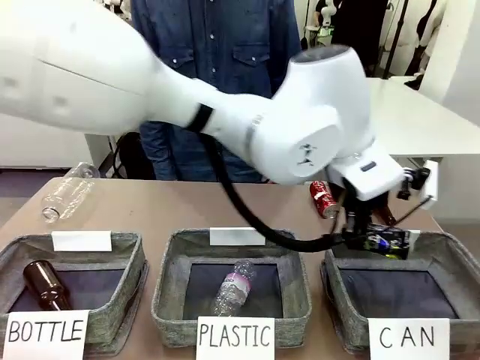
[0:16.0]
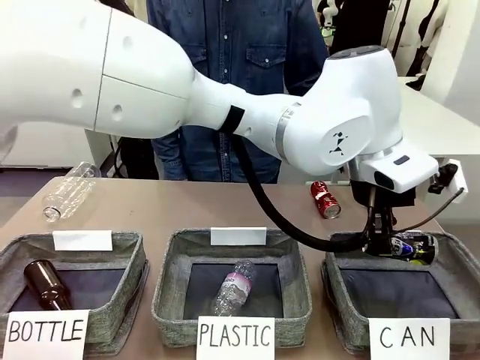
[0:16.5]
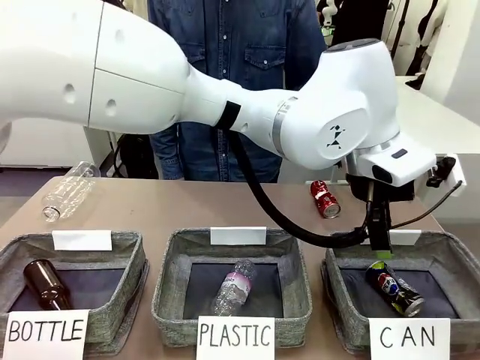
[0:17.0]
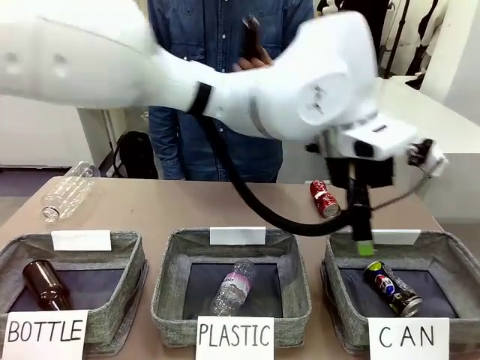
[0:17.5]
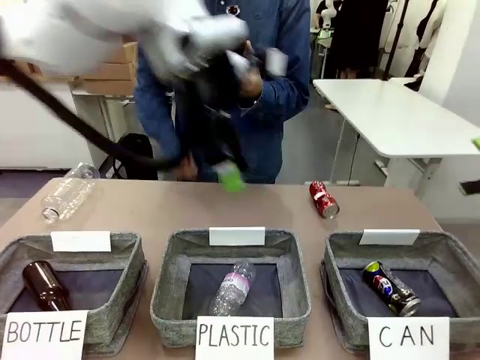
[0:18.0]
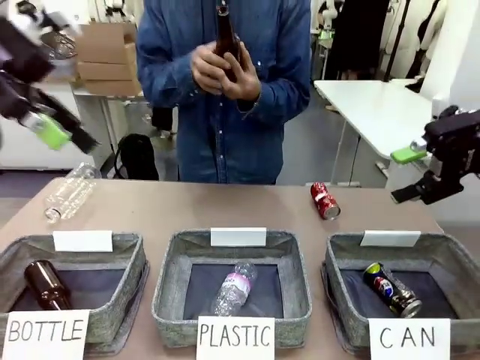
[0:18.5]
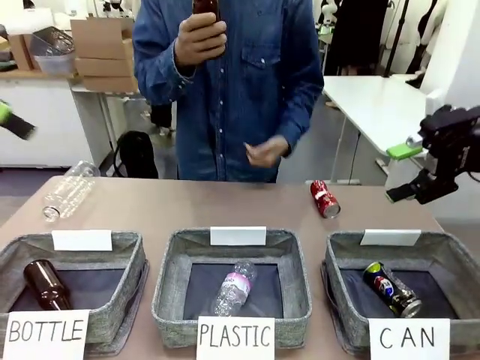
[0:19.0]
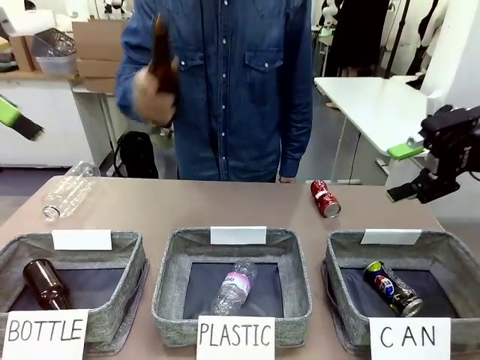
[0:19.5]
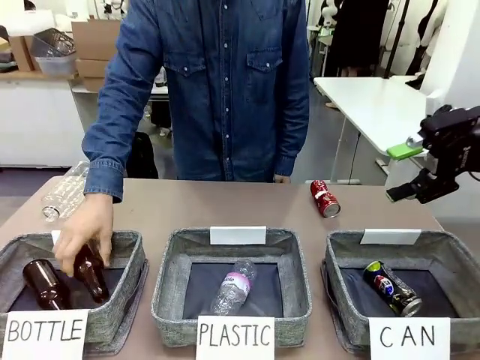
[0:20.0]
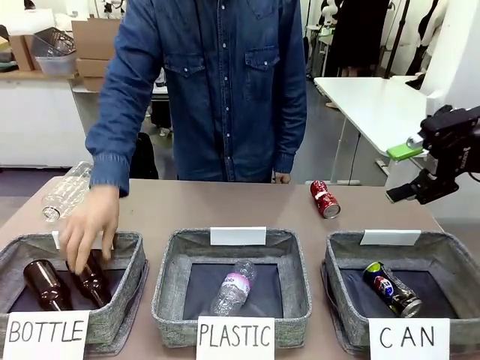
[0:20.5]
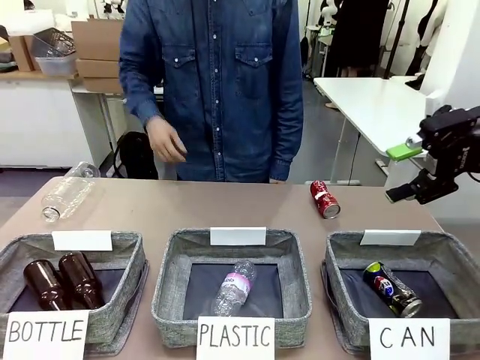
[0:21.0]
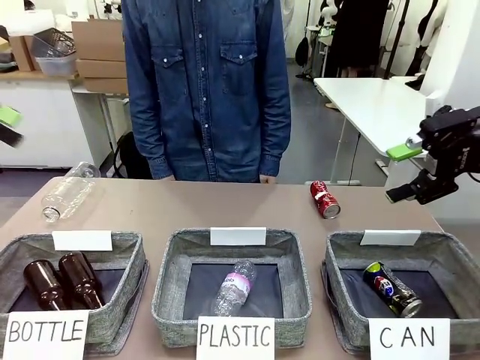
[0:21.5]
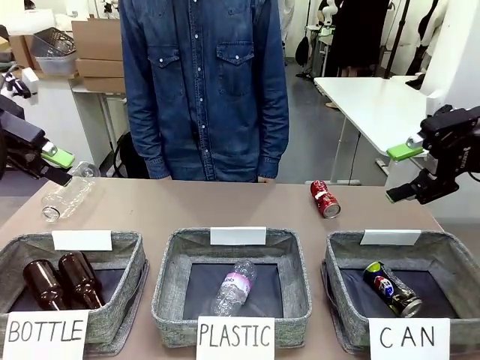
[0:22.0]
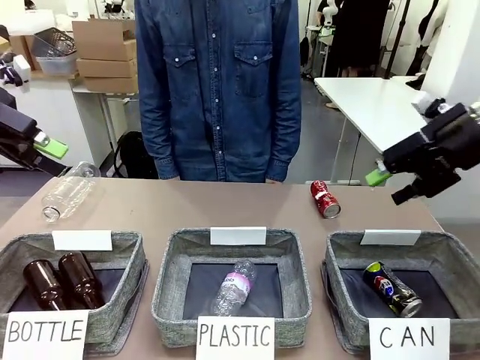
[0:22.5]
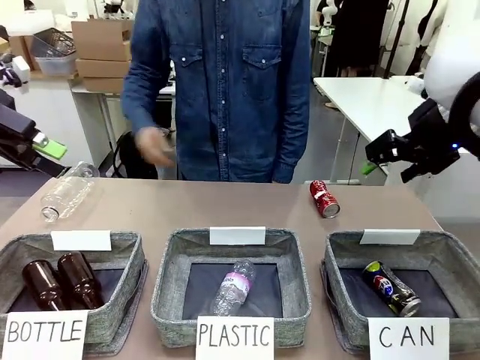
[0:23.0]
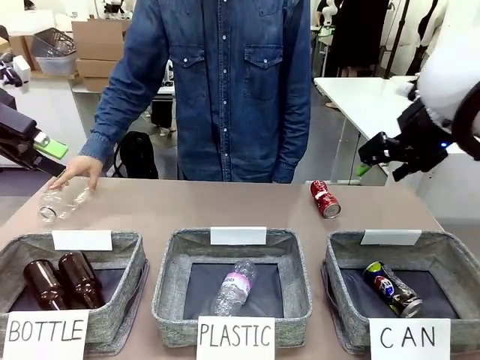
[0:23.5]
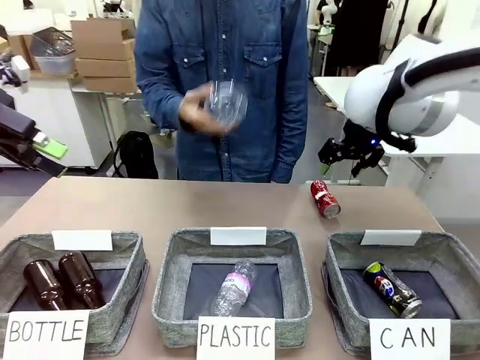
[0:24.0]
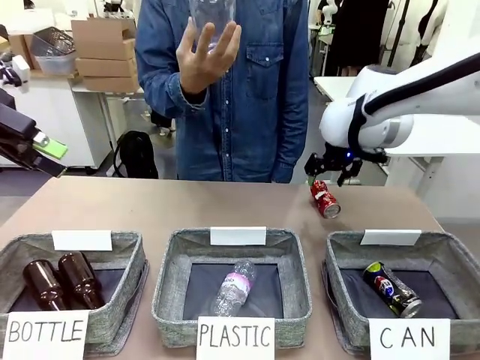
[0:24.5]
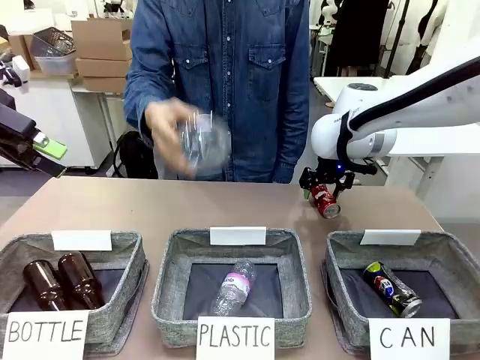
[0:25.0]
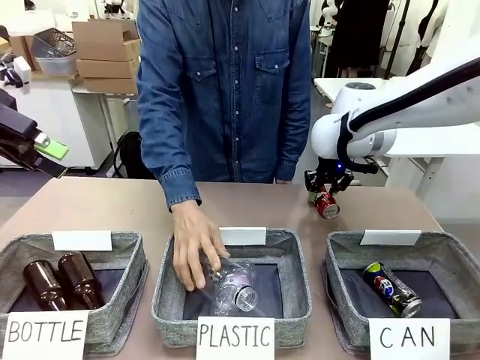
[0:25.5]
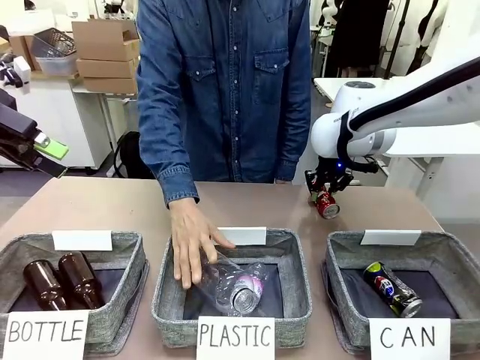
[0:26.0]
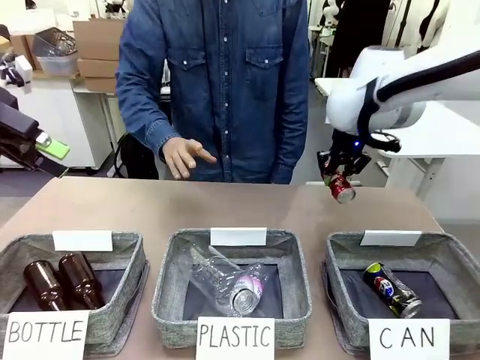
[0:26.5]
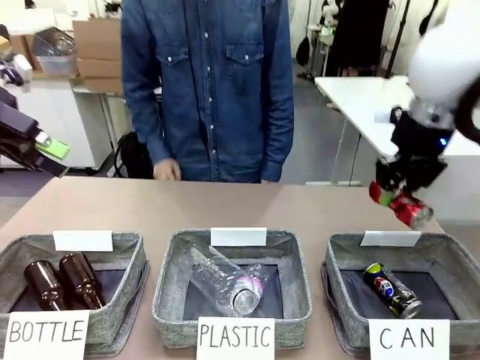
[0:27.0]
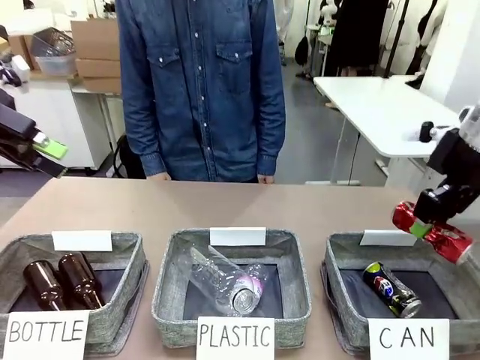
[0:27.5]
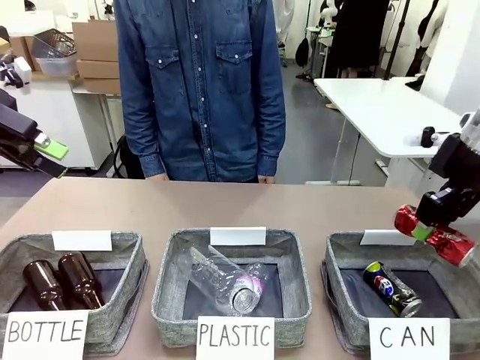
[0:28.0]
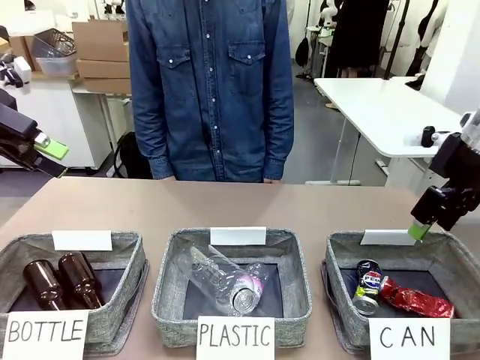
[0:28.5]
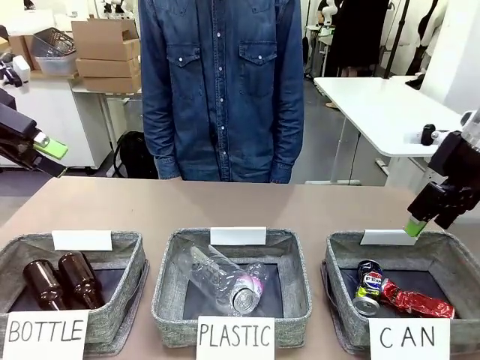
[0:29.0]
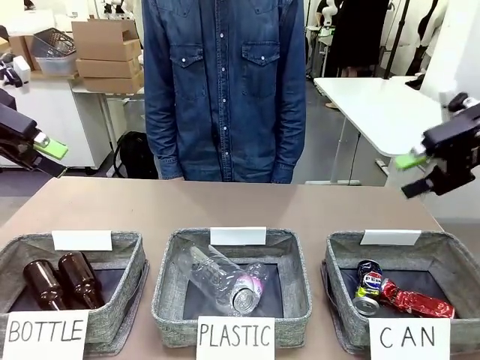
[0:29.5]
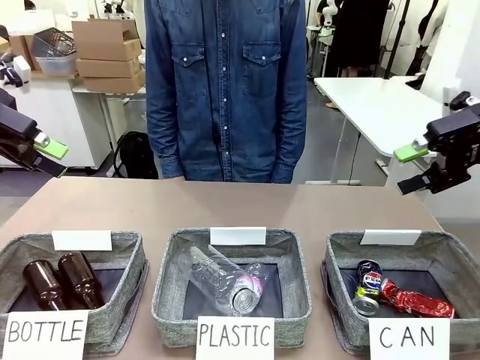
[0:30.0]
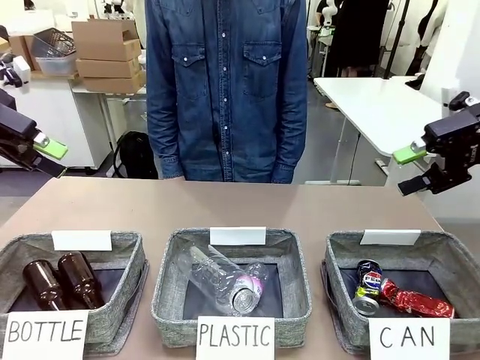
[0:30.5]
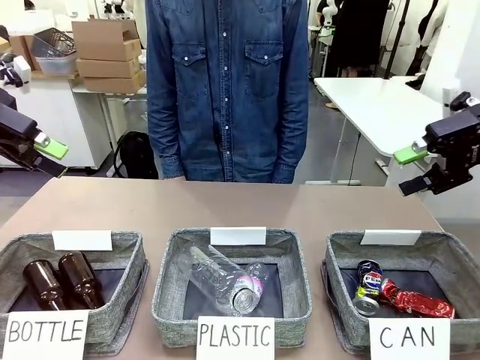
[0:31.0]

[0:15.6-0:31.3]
Task: Sort the can waste into the basket.
Robot: Pick up the can waste from the table and place it in the right Fabric basket.
Person: The human picks up one piece of trash that is not a can and places the trash into the appropriate organizing basket.
